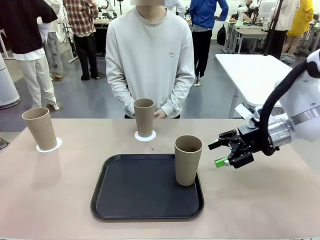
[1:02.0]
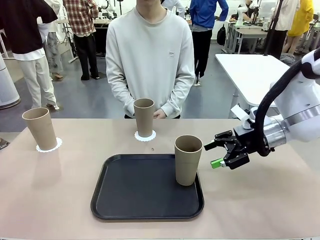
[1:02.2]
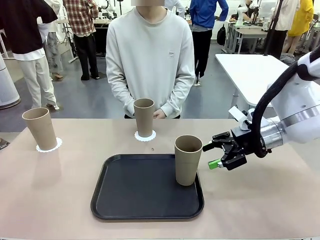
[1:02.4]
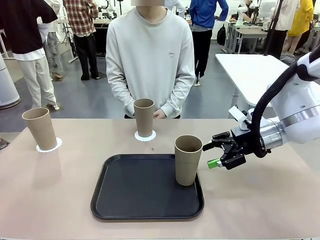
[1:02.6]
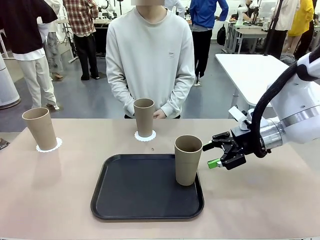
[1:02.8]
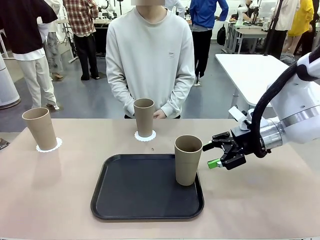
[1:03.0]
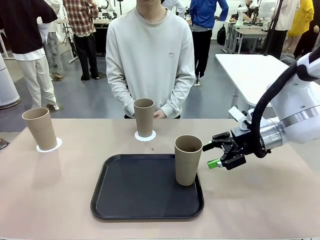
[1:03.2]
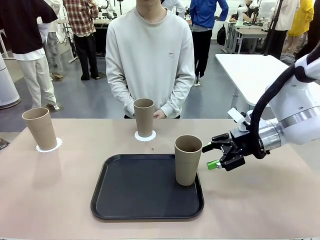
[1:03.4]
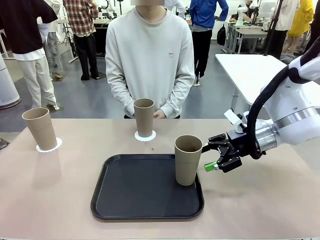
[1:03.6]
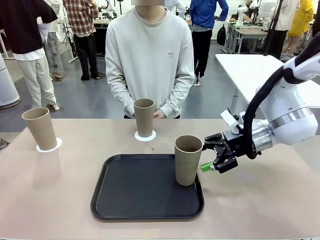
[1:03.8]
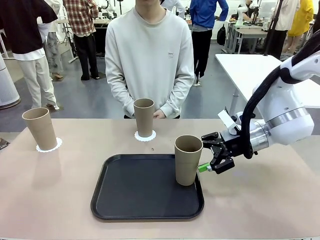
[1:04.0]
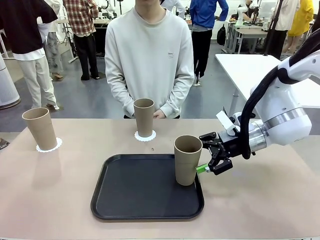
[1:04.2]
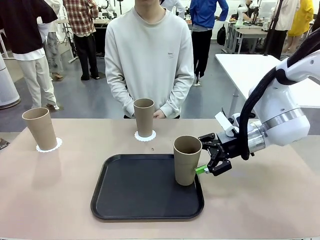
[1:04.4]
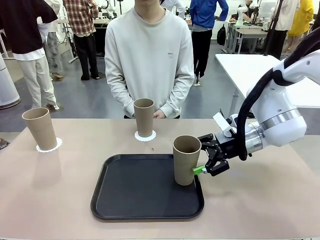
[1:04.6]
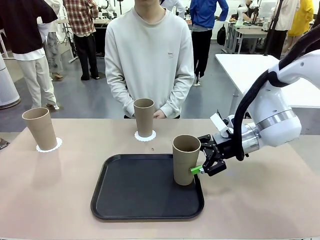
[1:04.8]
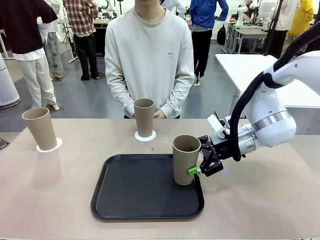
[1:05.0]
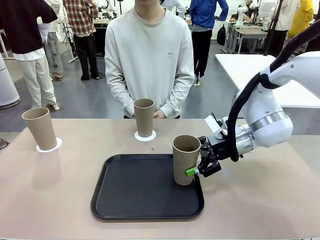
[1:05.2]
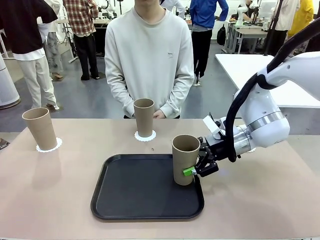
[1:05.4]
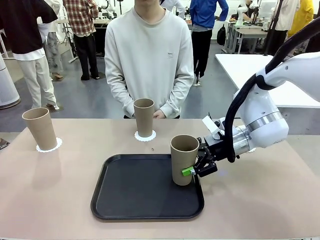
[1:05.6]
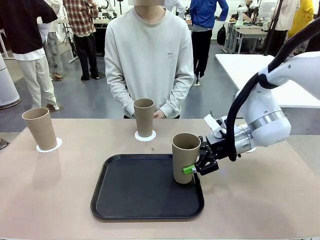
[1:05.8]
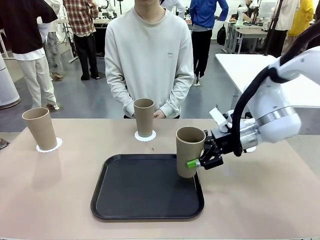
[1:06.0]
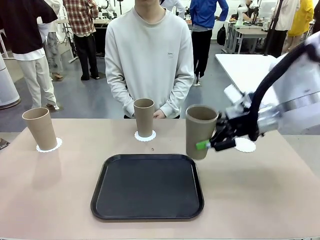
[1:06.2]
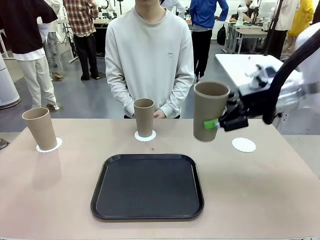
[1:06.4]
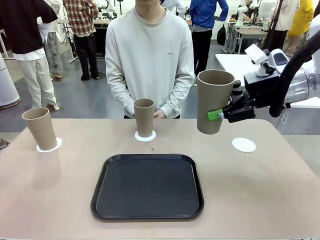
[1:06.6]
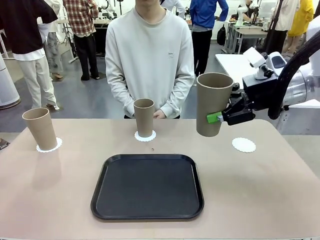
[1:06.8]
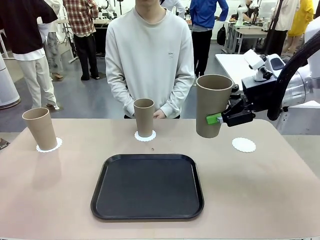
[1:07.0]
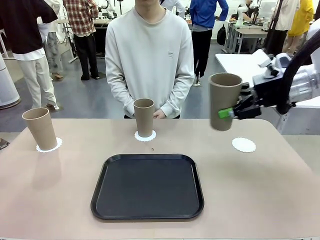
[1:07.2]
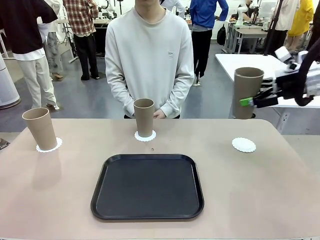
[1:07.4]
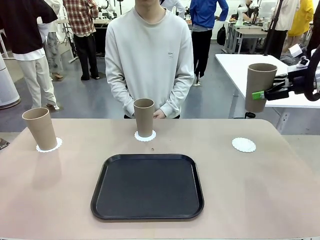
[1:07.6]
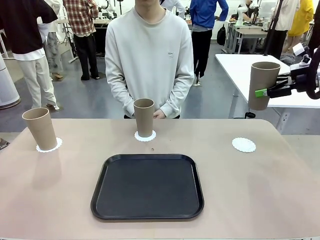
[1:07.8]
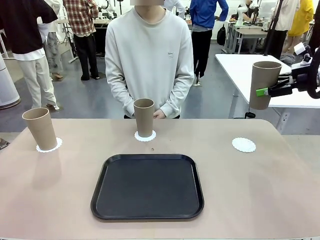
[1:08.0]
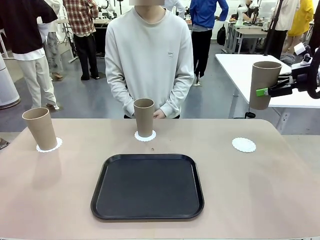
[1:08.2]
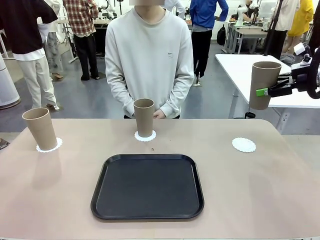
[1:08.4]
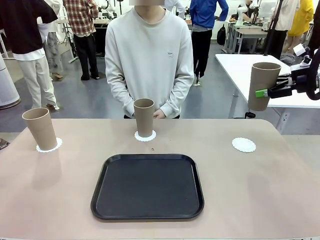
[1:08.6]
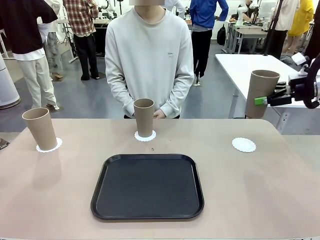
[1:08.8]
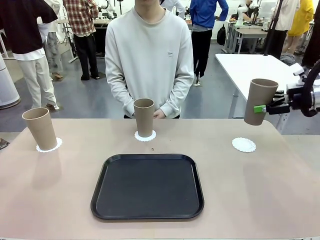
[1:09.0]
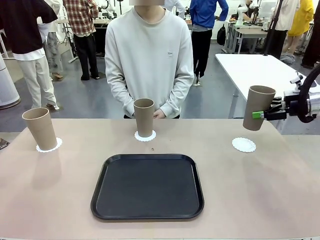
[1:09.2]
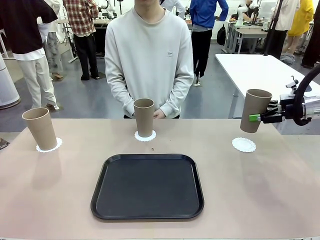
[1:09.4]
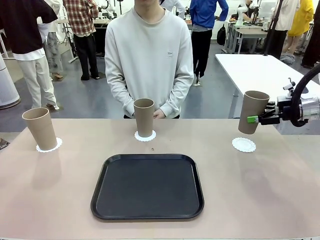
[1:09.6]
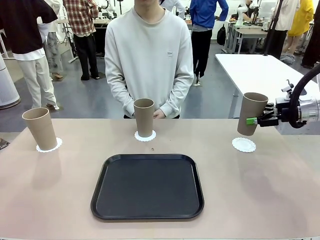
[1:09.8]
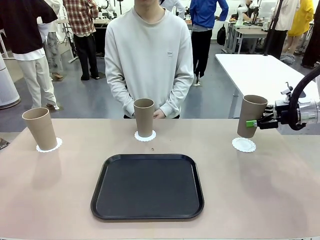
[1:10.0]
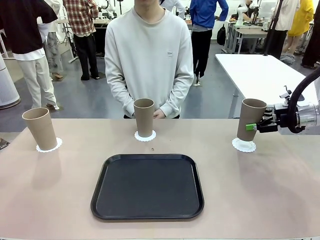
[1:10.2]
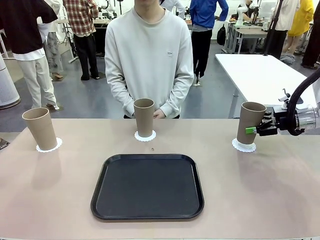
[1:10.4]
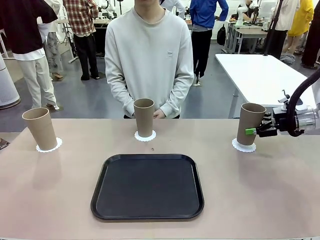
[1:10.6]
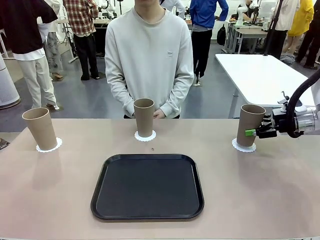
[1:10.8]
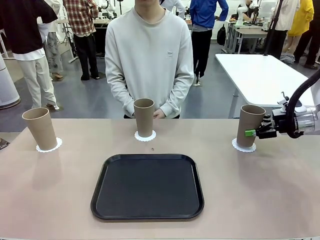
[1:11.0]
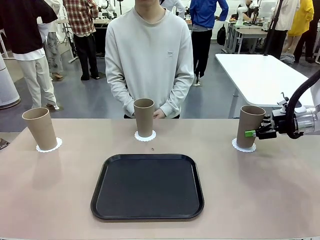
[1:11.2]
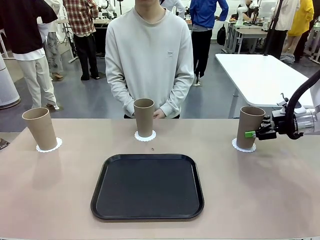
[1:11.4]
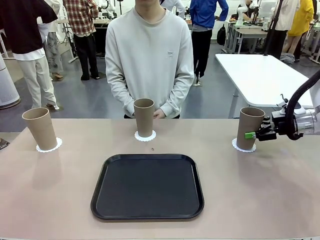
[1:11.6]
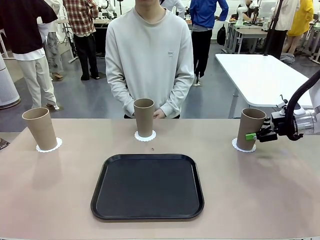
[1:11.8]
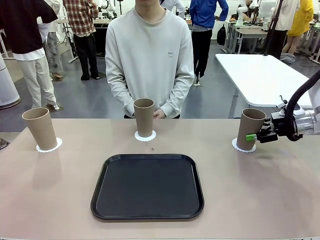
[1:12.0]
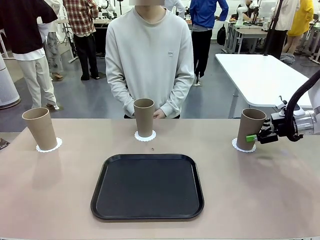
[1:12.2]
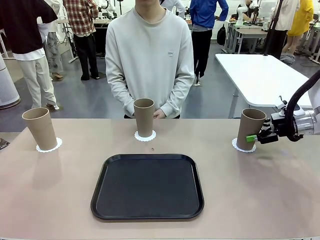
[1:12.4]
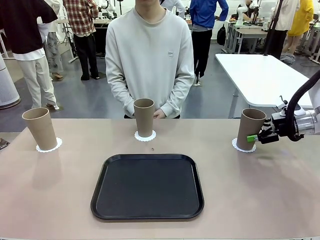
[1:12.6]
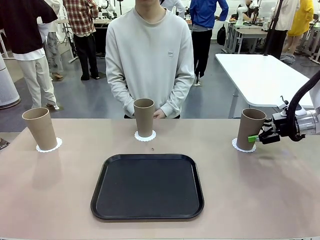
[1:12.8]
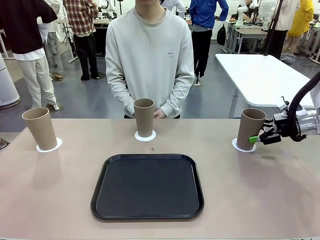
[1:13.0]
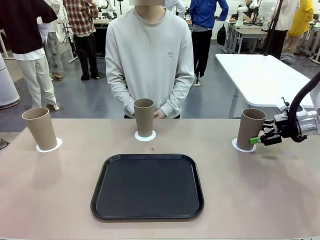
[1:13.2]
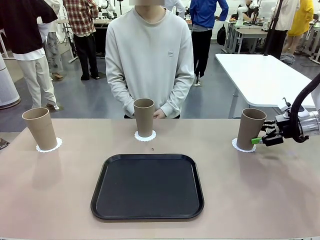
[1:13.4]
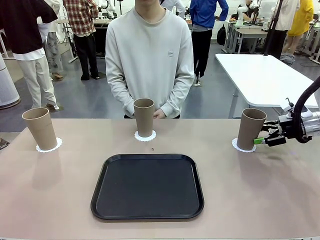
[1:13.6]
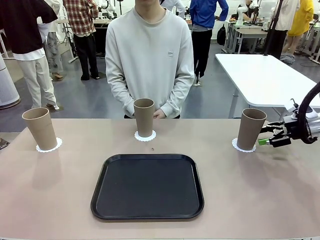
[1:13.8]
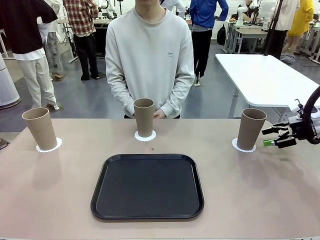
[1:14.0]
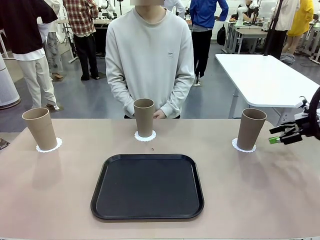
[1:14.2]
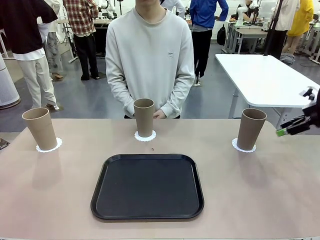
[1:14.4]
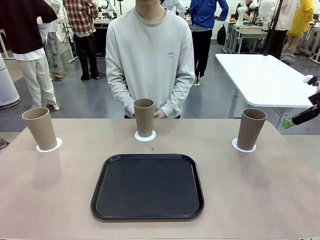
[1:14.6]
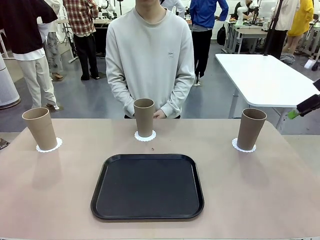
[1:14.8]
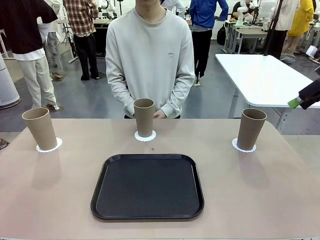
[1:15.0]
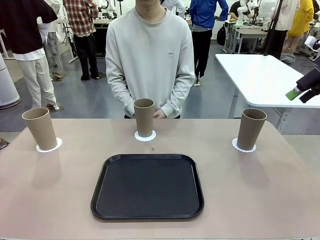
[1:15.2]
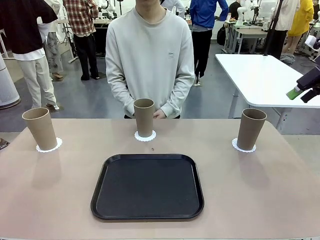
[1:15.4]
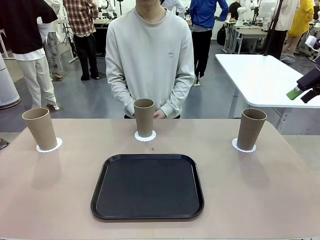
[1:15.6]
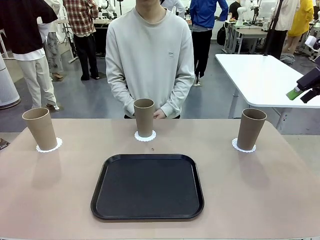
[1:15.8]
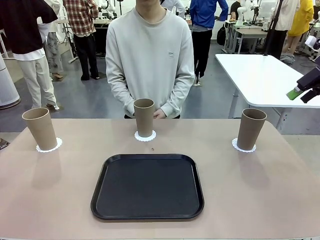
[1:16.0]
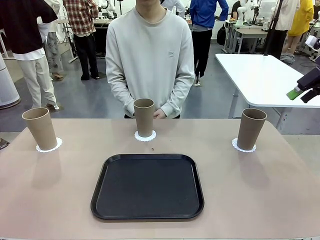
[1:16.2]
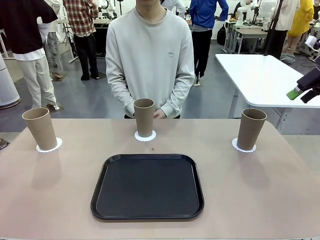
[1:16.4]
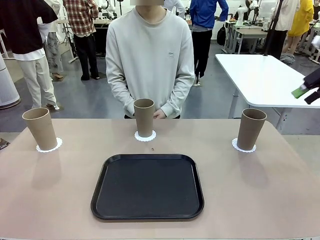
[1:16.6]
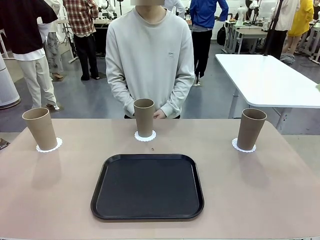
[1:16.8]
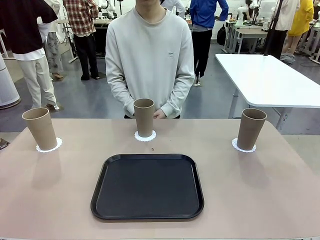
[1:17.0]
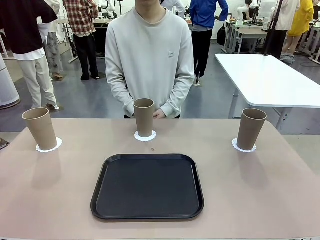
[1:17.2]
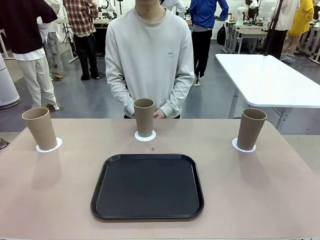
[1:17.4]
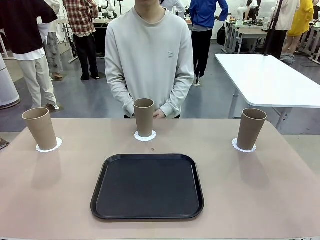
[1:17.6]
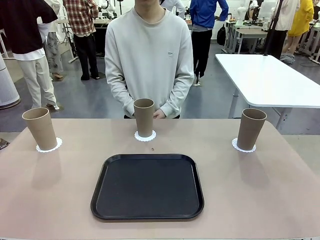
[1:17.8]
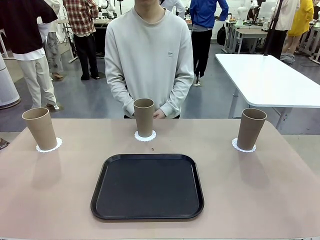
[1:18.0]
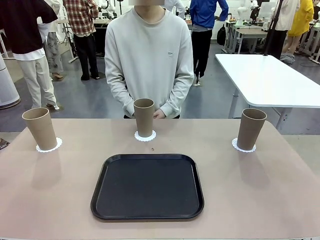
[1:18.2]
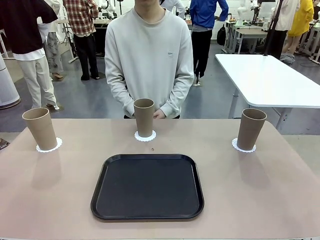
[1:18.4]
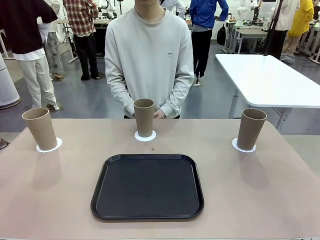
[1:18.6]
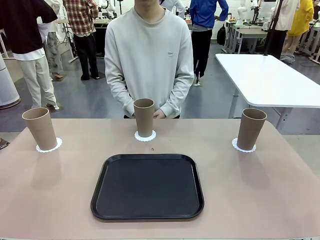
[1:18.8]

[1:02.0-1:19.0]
Task: Place coasters on the table and set cups on them.
Robot: Take one Reusable plastic cup from the Flat Tray and place it on a coaster set by the human.
